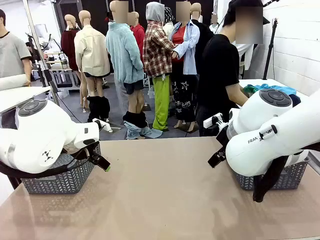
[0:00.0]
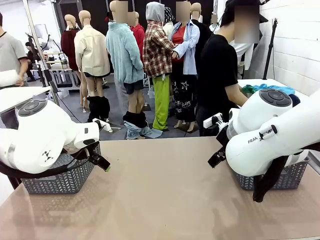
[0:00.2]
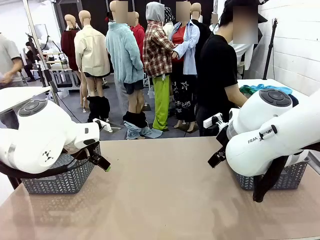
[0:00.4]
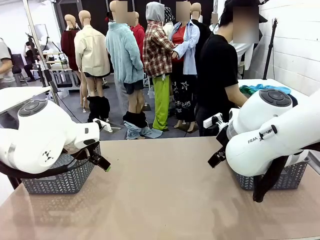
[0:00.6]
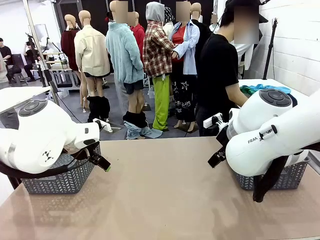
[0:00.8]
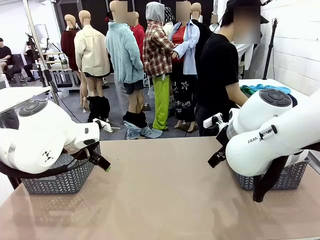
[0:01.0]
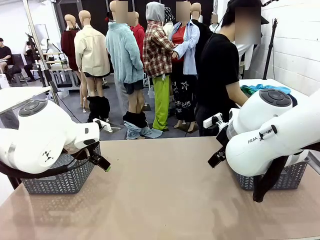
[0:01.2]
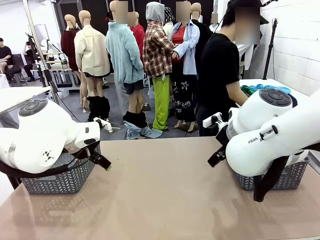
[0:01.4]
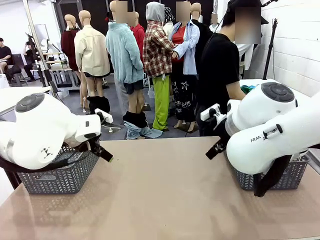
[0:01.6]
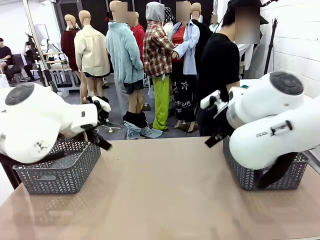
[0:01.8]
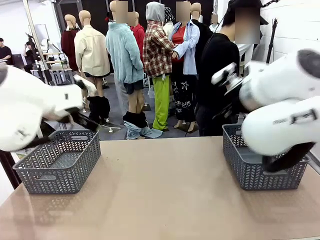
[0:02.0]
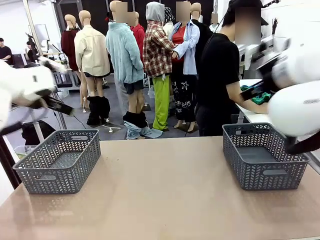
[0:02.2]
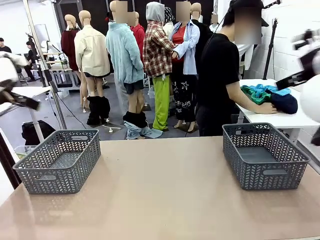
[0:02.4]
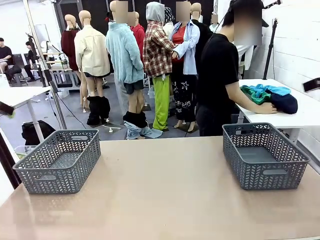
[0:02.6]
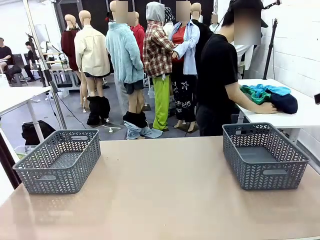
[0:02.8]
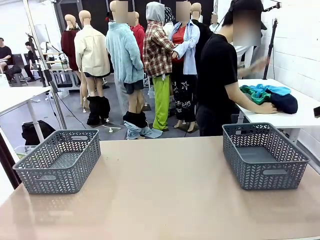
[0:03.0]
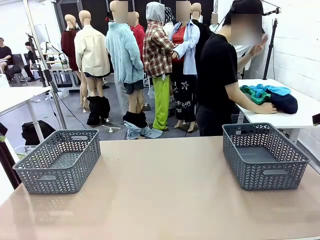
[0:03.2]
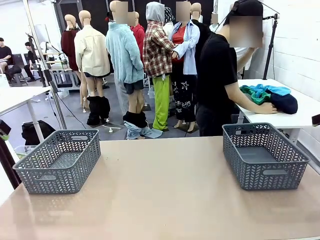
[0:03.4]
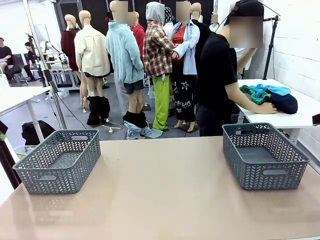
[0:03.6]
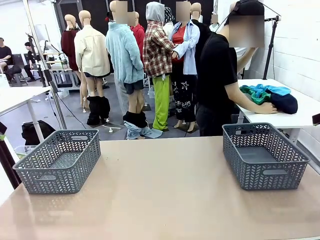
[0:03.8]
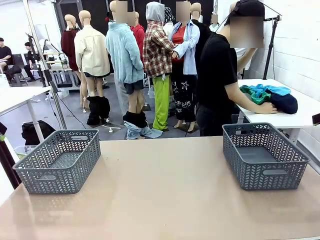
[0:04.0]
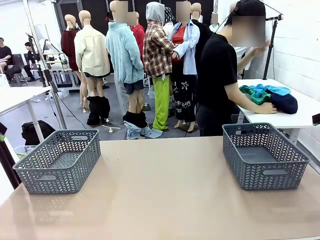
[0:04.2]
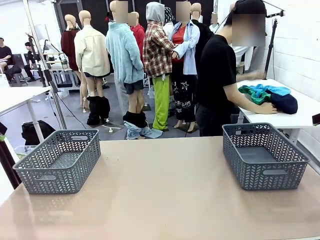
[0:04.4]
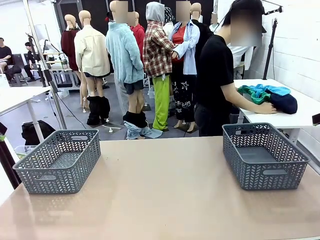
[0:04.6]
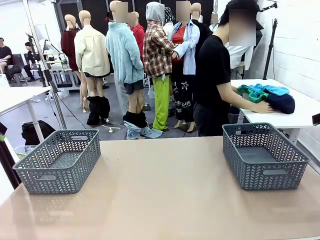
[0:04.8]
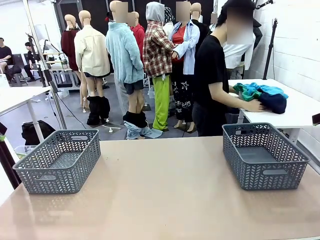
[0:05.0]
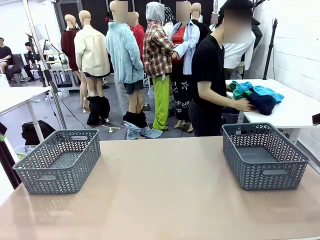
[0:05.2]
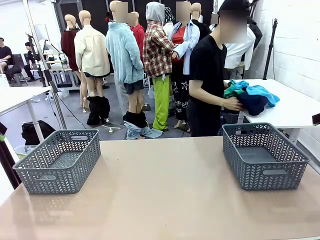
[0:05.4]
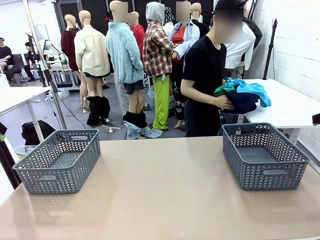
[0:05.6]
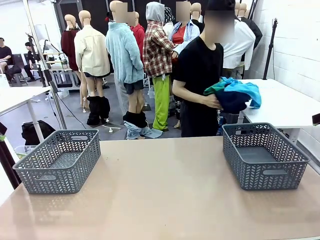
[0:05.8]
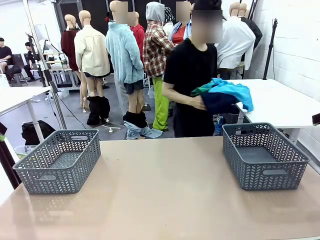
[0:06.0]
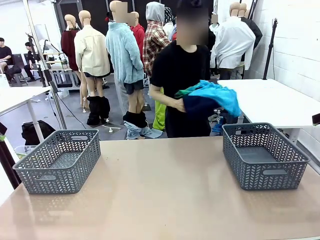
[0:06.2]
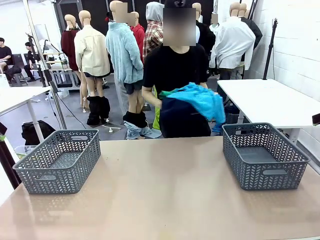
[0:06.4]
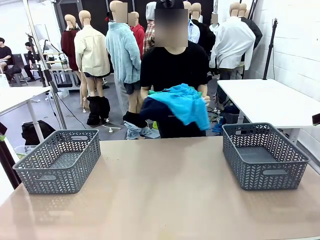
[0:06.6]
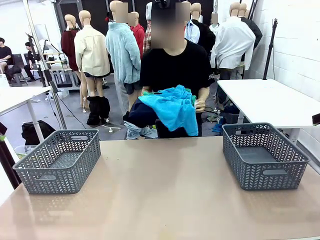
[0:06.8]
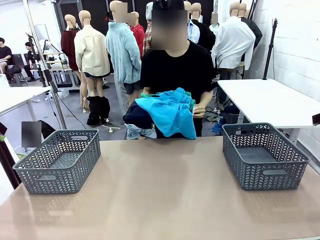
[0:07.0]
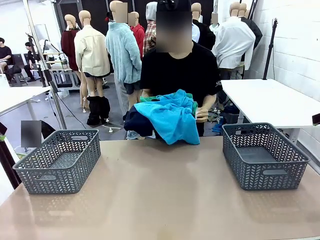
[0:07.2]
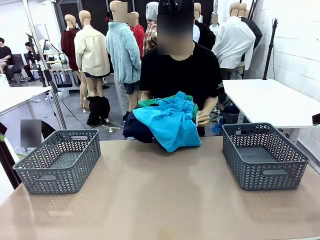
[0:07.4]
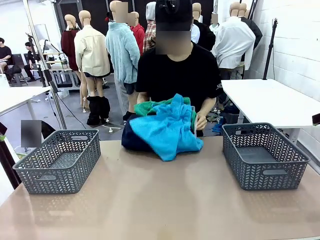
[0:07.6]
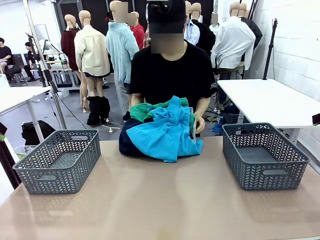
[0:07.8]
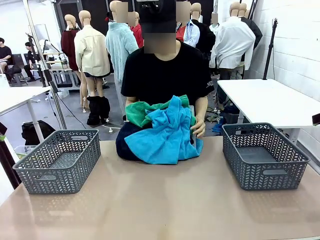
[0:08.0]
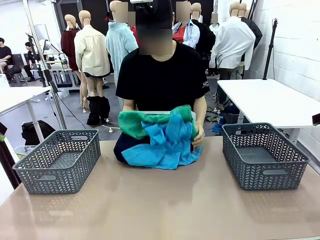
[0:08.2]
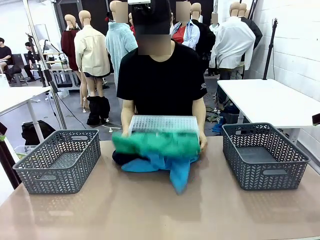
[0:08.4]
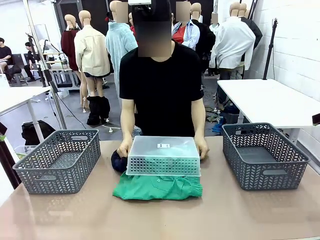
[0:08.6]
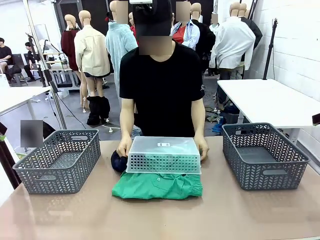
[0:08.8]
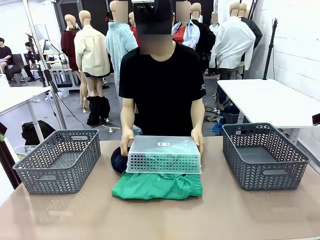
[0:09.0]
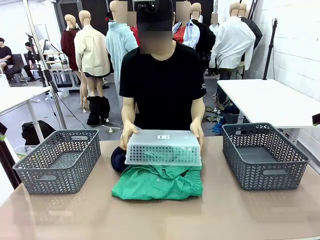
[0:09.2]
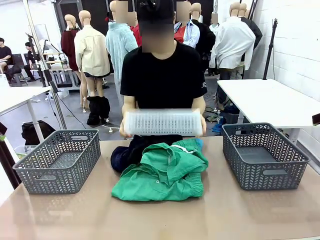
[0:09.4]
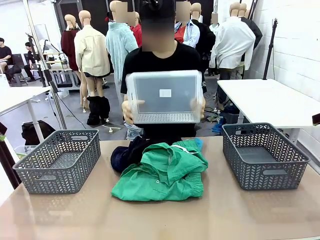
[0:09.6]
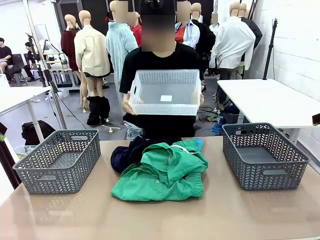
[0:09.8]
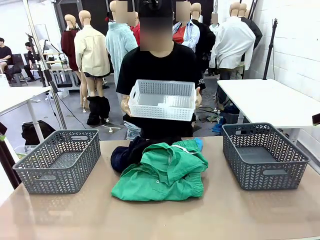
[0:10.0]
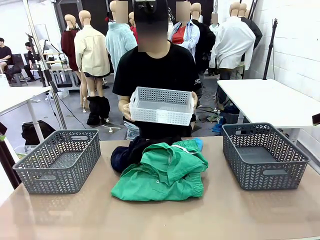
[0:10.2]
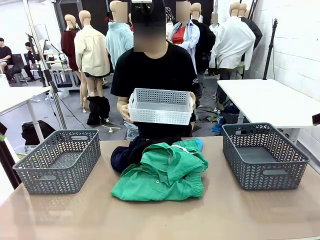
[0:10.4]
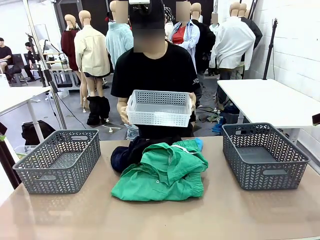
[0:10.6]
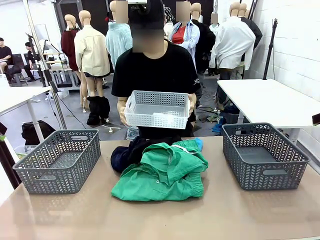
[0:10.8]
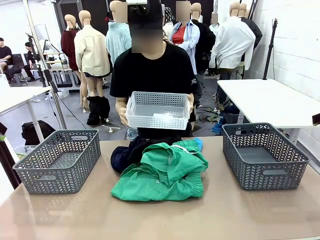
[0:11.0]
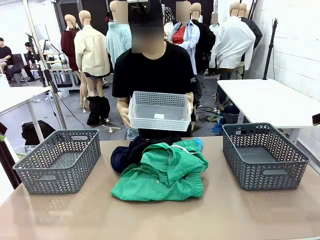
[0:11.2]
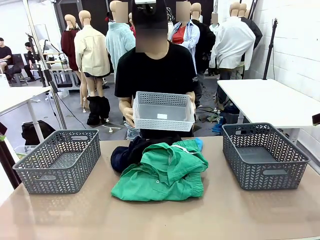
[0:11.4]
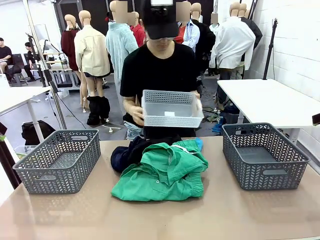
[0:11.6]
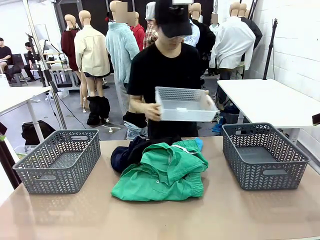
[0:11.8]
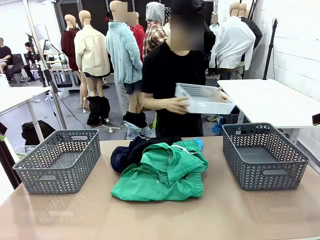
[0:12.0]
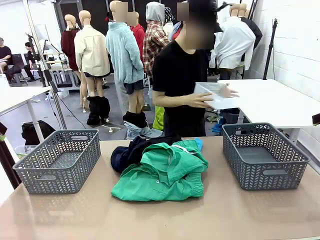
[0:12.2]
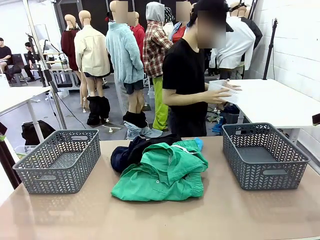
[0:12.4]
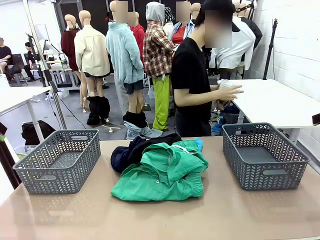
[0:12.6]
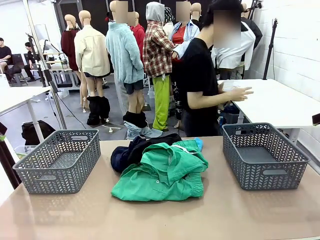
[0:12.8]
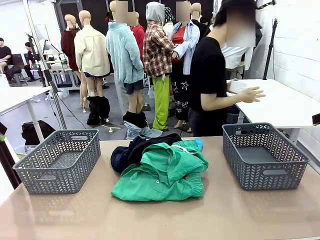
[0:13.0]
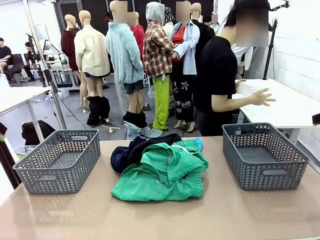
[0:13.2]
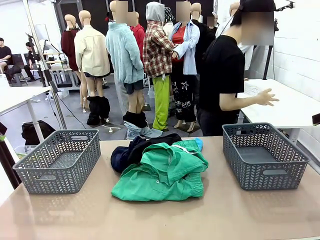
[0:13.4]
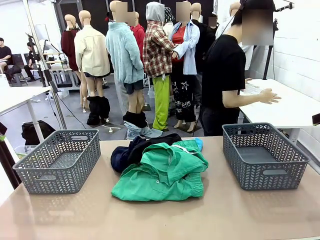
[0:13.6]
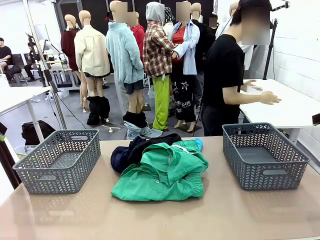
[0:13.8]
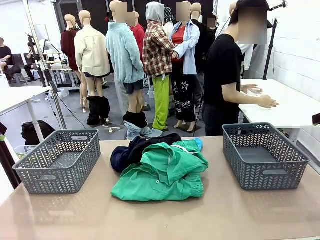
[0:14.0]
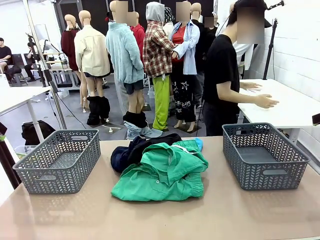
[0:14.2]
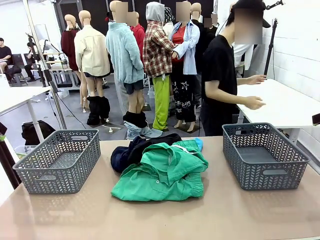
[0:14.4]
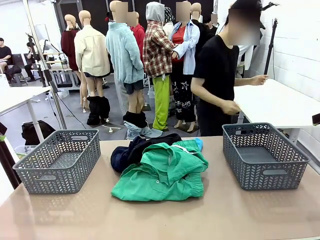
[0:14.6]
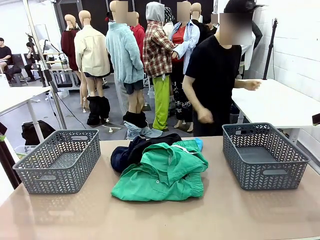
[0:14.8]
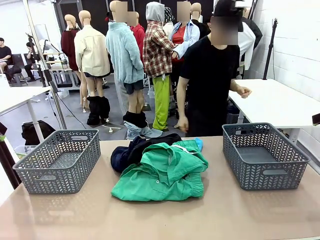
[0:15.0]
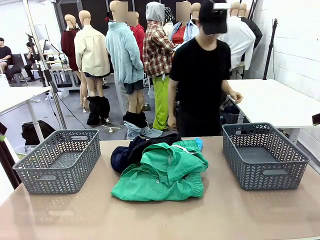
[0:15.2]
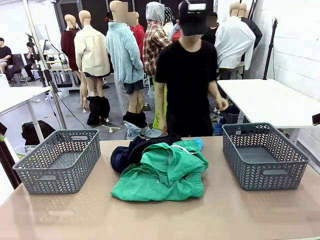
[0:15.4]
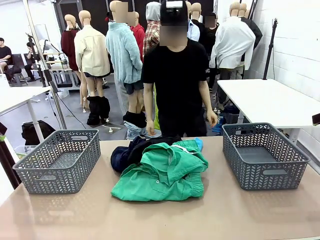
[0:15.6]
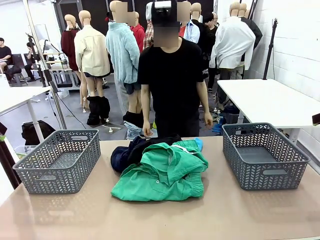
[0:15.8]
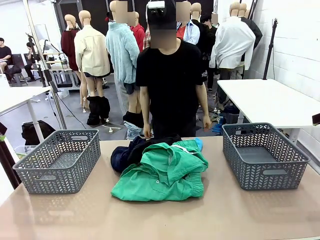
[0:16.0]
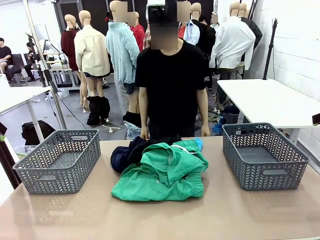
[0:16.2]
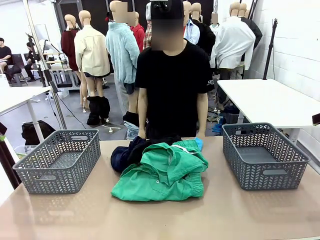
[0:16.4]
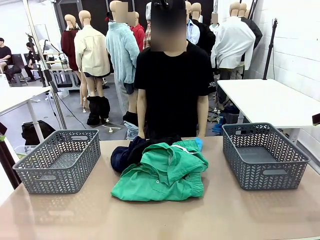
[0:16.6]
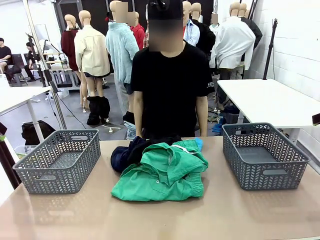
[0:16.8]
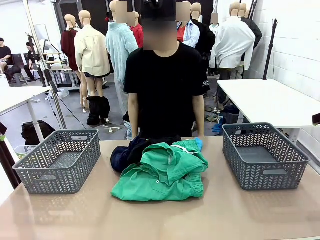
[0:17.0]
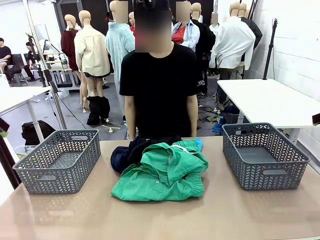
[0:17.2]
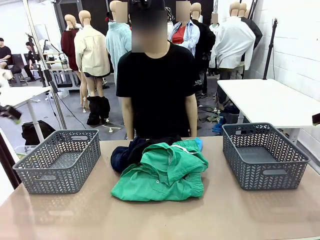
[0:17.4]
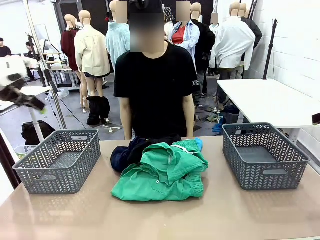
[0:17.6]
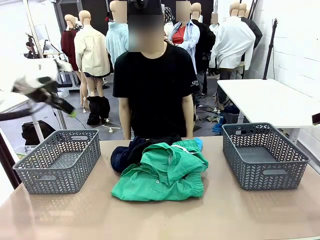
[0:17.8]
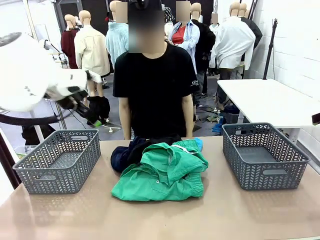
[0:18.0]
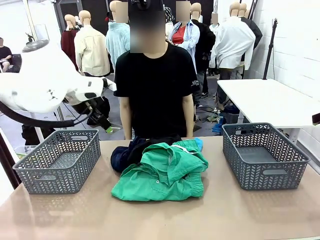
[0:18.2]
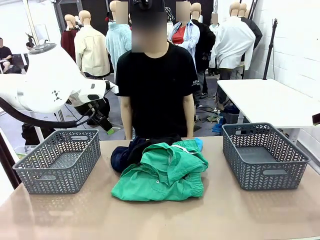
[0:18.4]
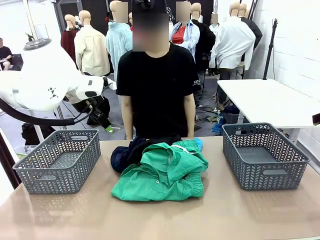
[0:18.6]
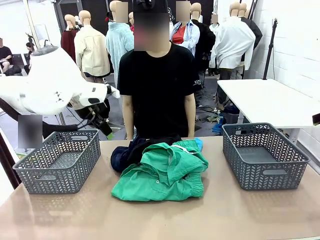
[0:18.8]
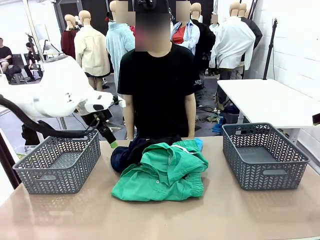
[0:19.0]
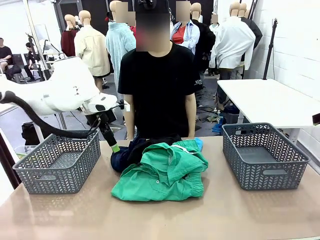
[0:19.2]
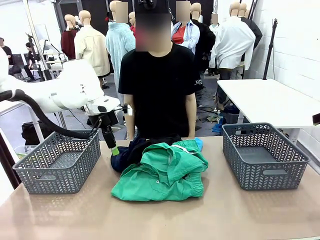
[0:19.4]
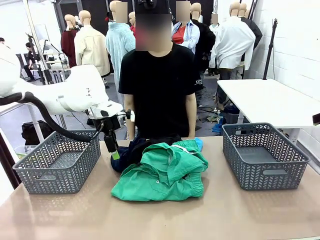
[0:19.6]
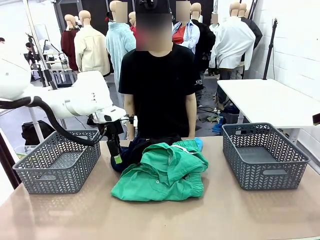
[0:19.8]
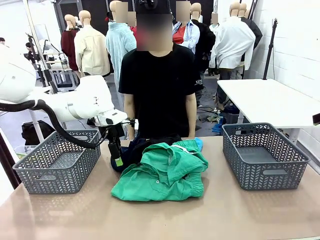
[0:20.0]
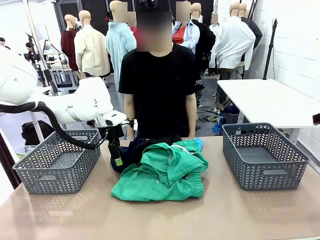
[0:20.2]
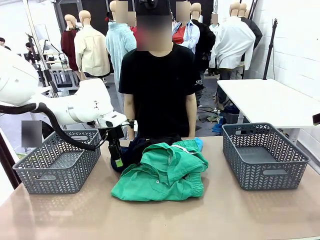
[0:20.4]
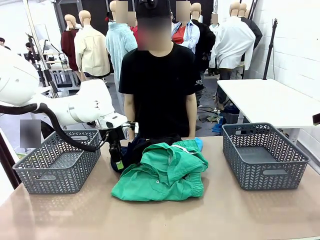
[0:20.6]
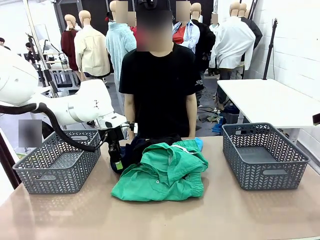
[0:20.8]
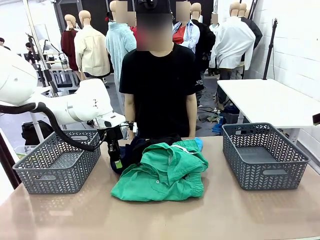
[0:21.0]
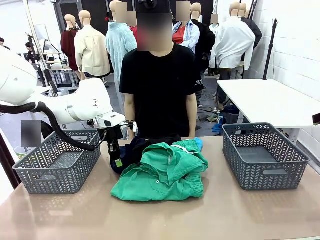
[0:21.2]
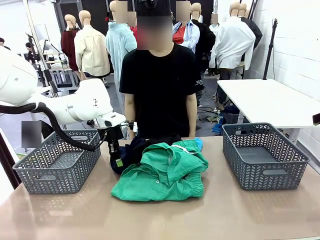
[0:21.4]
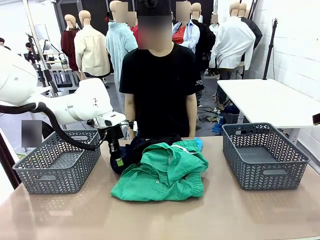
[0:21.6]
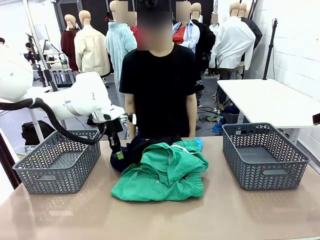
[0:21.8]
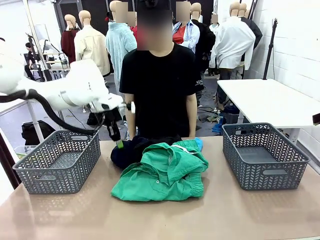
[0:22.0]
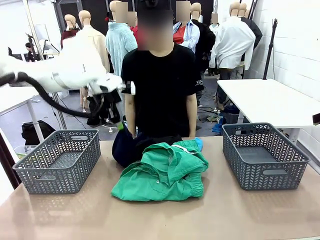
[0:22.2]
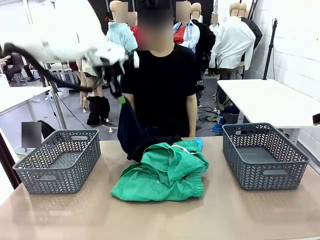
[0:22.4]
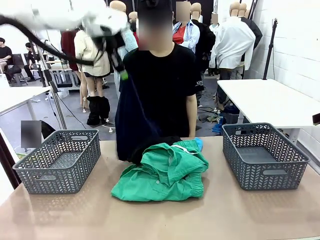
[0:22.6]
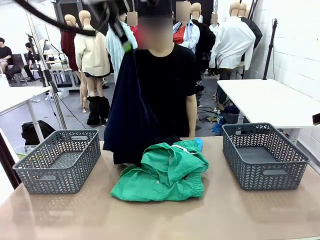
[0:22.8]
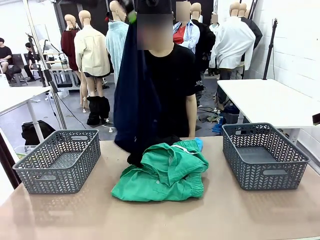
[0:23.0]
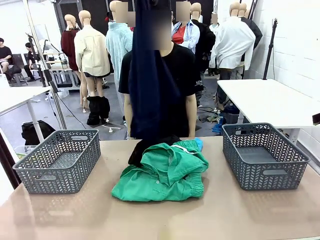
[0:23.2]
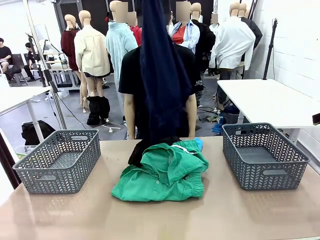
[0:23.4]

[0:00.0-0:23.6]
Task: Sort the tops and bottoms.
Robot: Lift clothes from the center of the table with your left hand.
Person: Pour the clothes from the basket onto the center of the robot table.
